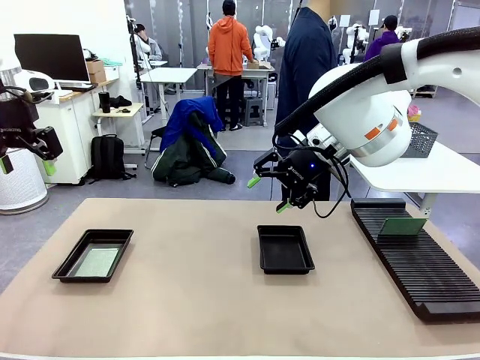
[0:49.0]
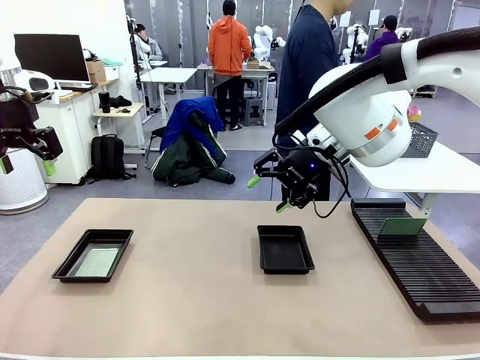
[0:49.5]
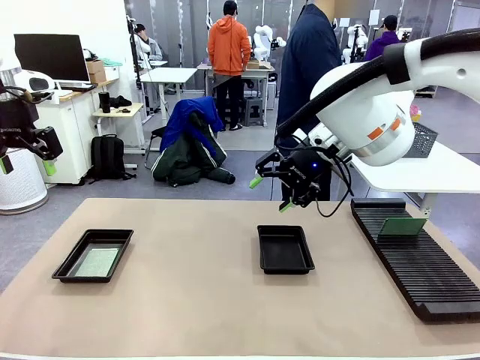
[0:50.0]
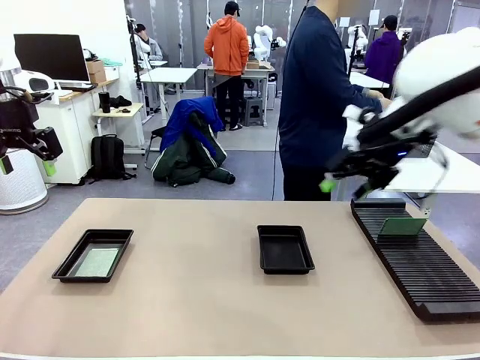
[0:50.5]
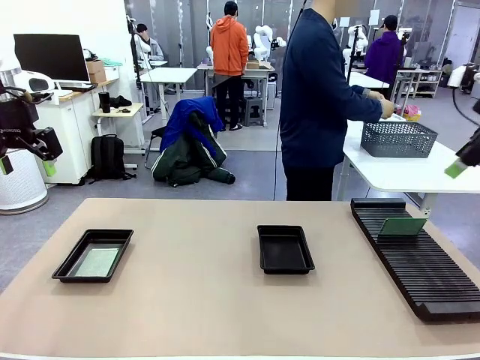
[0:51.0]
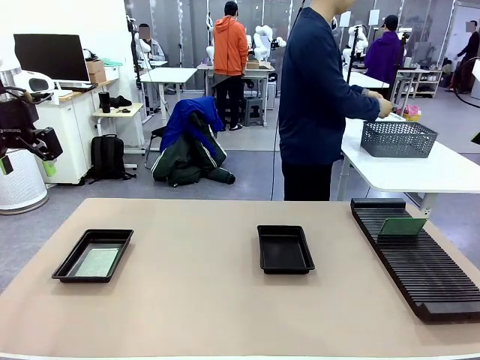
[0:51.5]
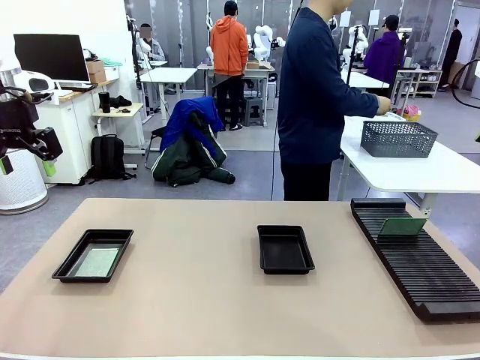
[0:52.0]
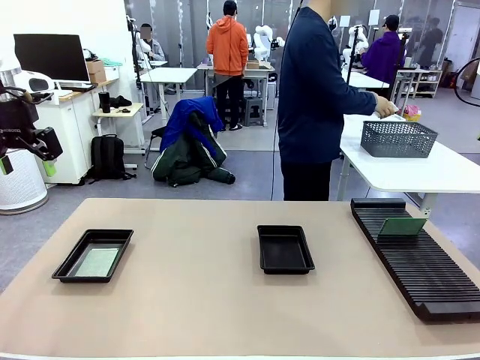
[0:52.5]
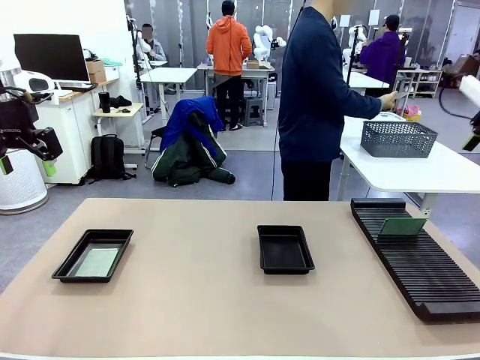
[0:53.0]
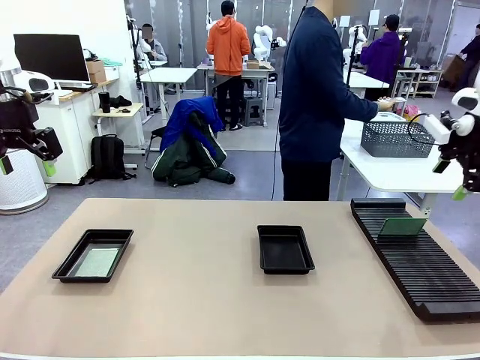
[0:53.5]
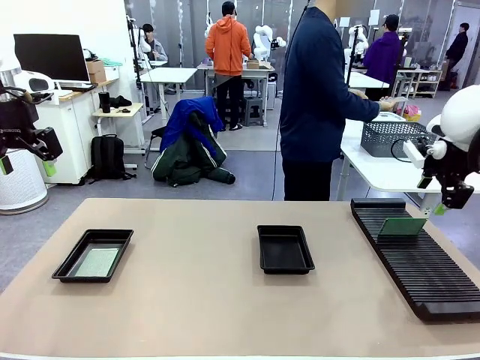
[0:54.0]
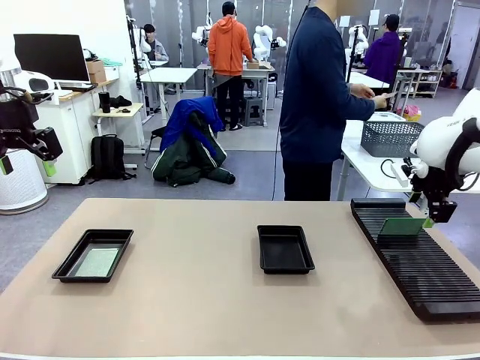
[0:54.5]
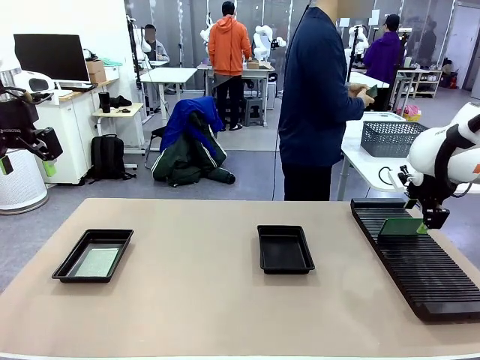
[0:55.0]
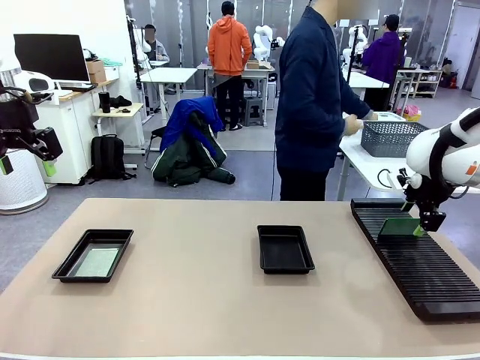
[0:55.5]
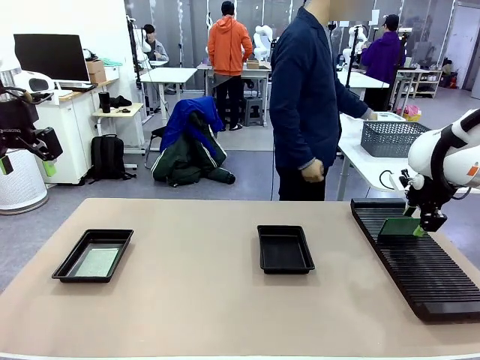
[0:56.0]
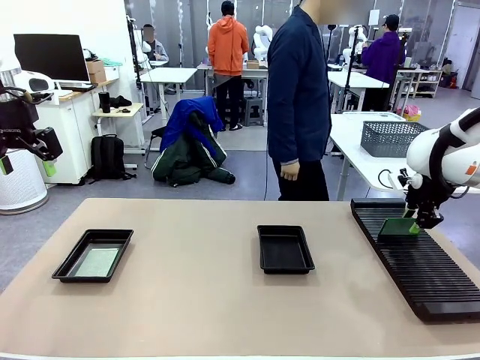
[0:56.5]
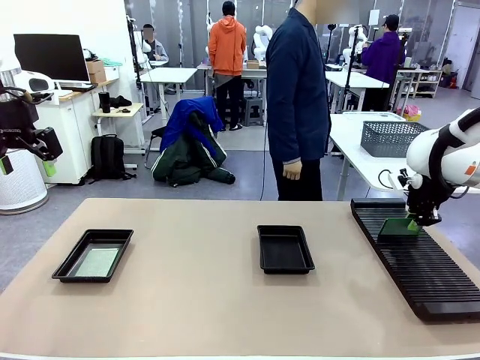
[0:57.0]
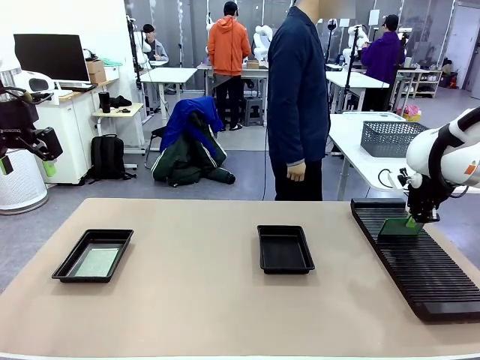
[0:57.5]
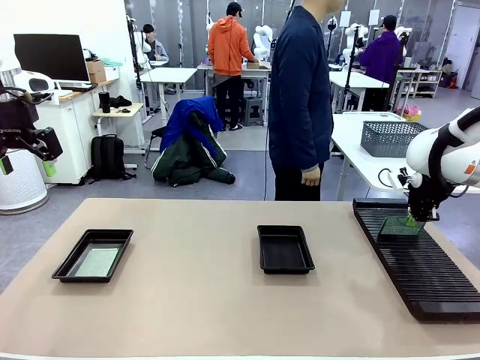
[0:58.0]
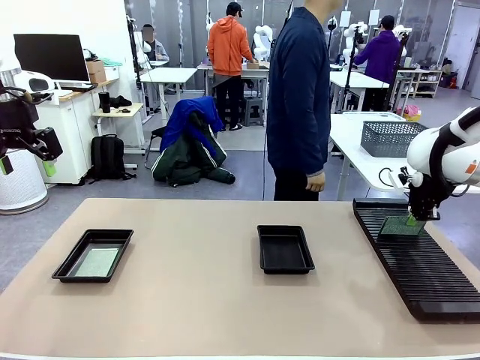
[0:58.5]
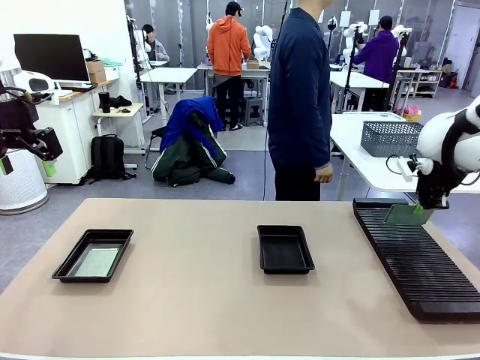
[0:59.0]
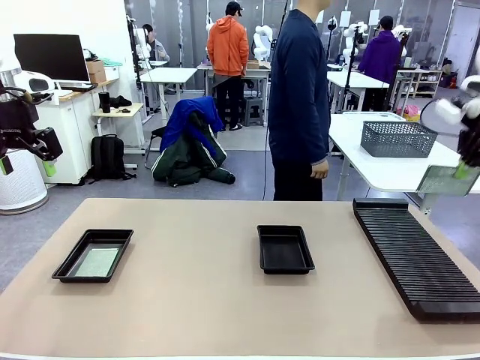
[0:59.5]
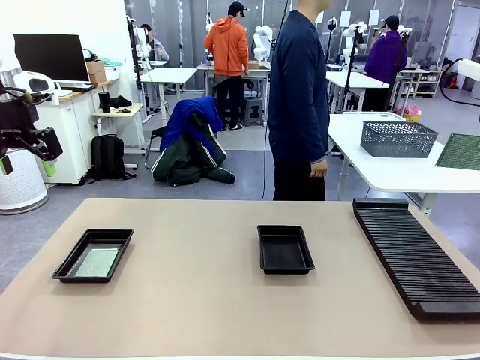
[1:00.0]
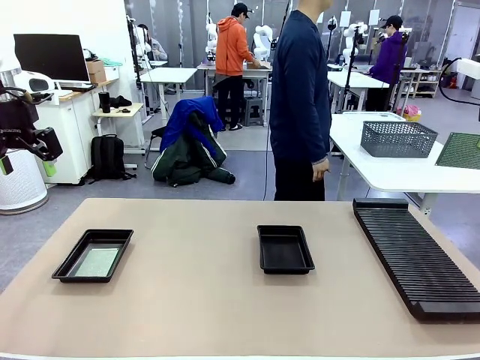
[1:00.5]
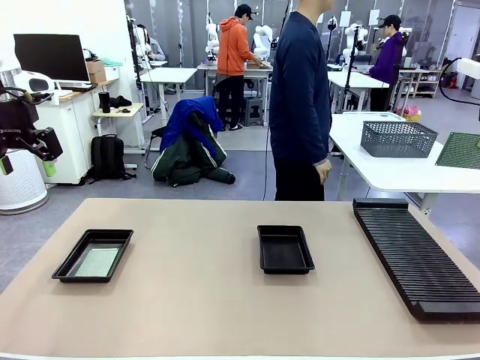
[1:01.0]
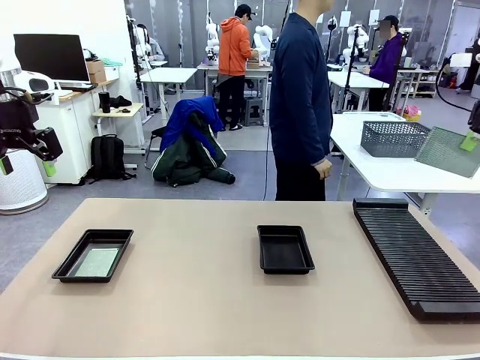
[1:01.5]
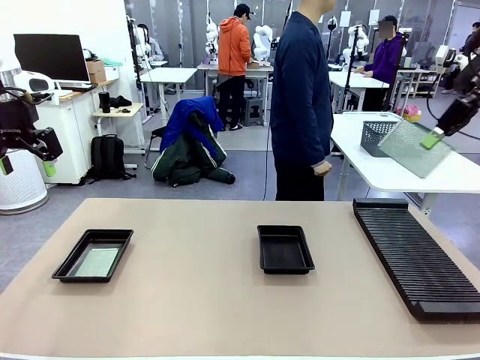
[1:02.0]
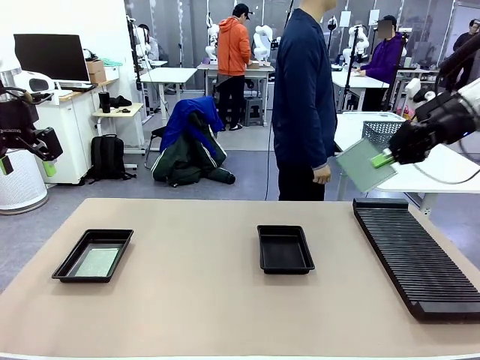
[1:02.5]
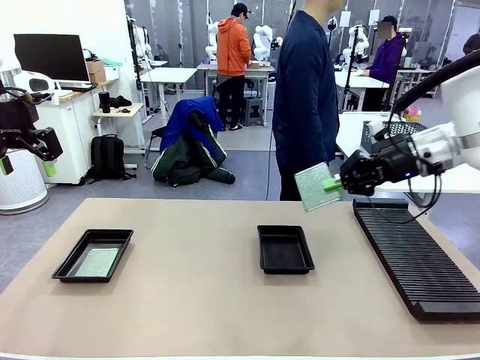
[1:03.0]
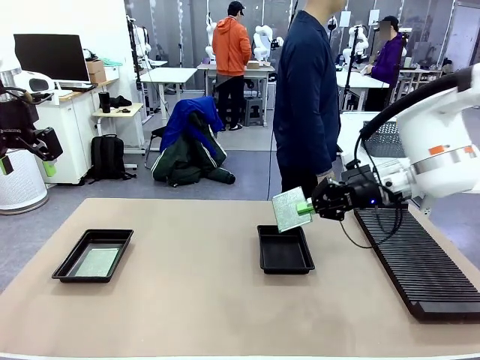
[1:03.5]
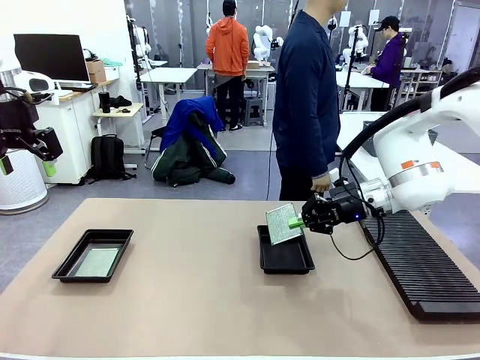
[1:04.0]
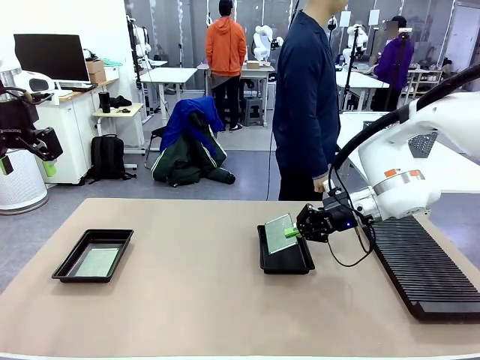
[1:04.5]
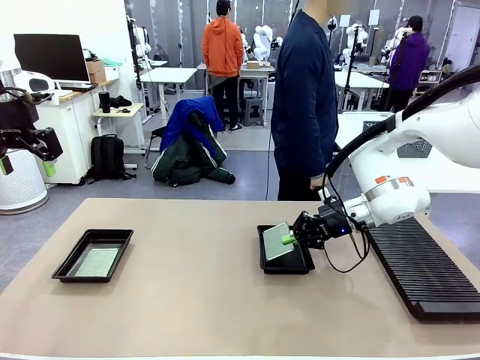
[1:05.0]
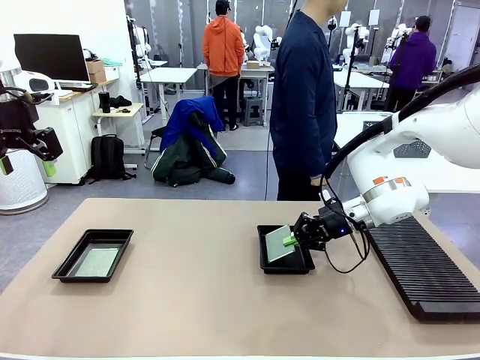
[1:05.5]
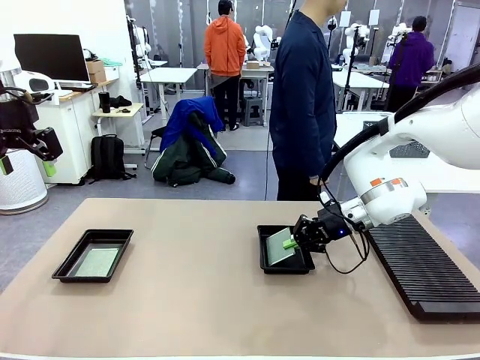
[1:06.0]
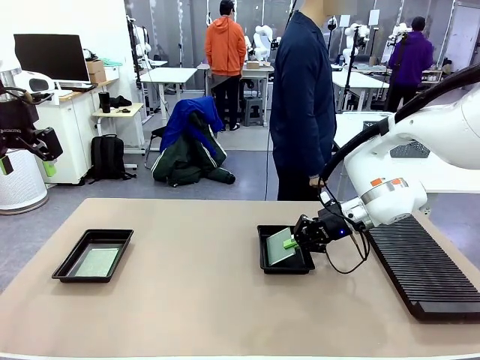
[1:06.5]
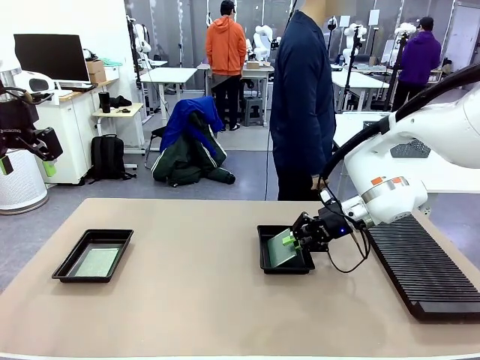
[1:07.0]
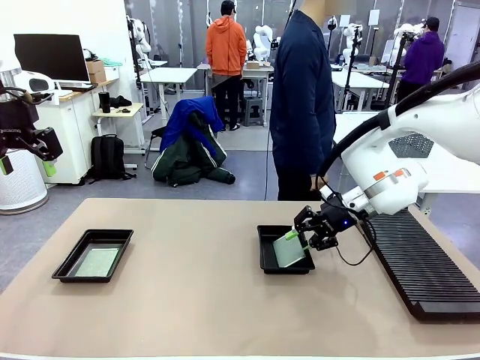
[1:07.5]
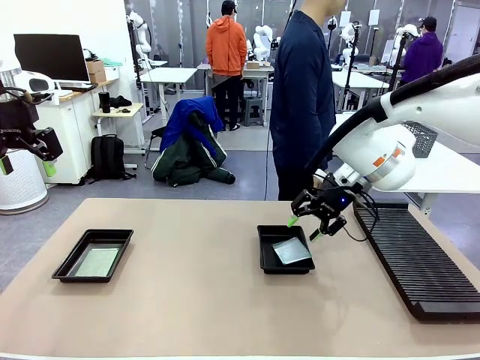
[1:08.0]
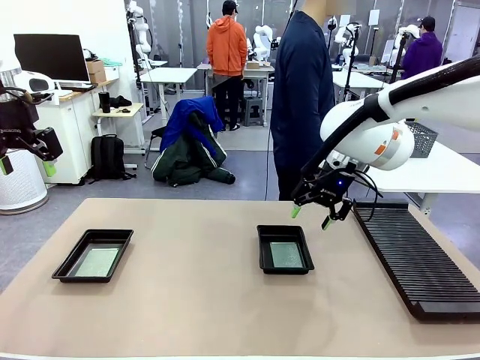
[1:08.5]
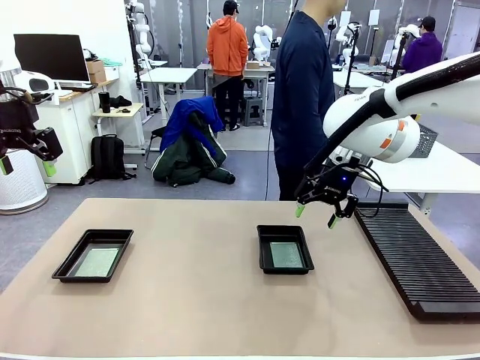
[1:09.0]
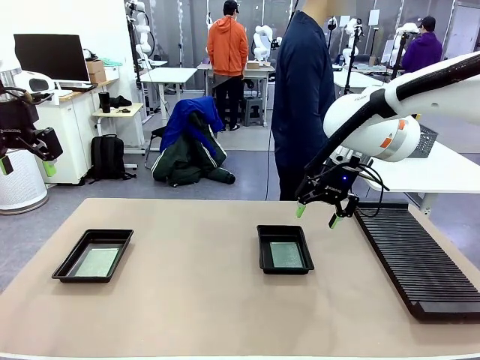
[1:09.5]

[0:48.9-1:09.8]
Task: Inspect and transfer BCBs to ESD trays.
Robot: Pick up the Blank PCB from the PCB Rack and place it in the right ESD tray.
